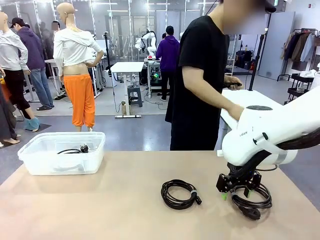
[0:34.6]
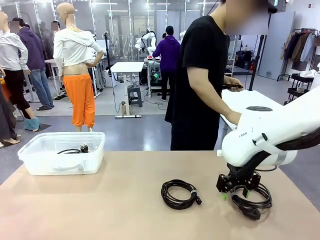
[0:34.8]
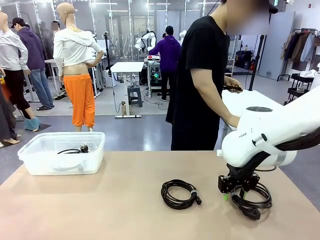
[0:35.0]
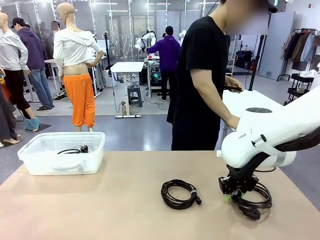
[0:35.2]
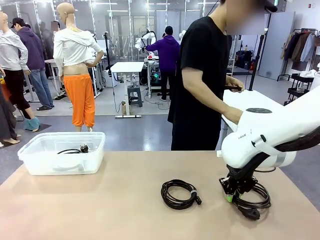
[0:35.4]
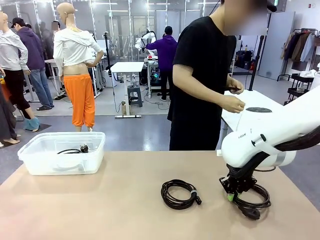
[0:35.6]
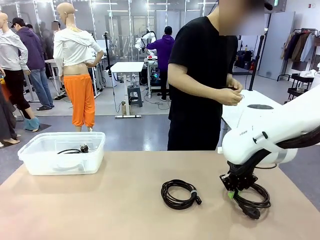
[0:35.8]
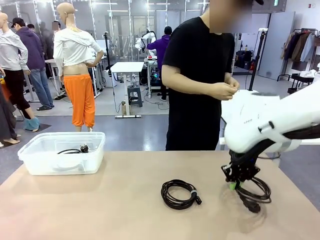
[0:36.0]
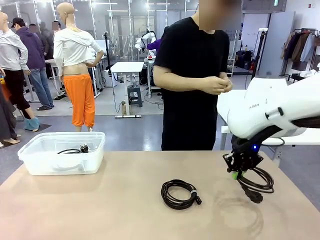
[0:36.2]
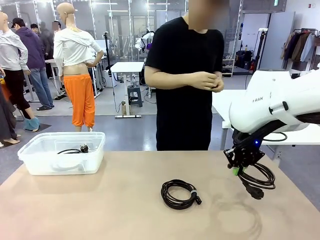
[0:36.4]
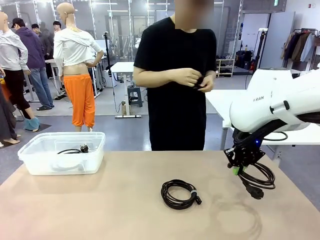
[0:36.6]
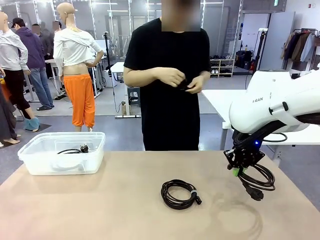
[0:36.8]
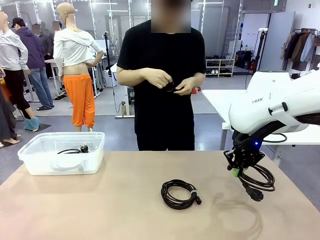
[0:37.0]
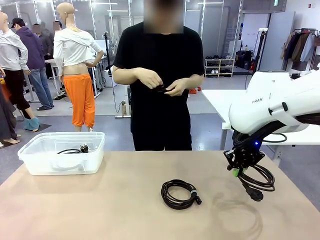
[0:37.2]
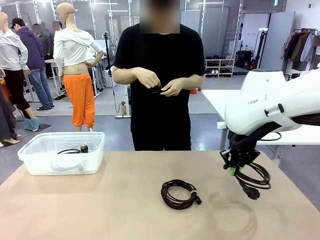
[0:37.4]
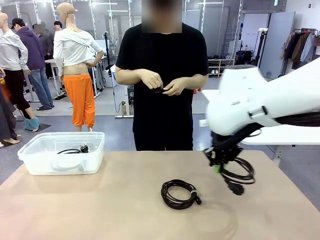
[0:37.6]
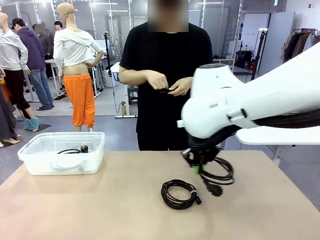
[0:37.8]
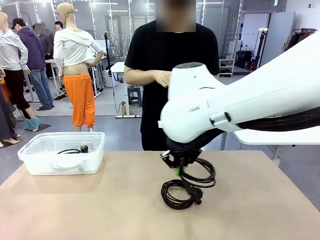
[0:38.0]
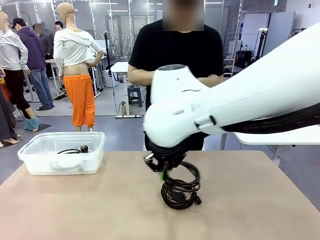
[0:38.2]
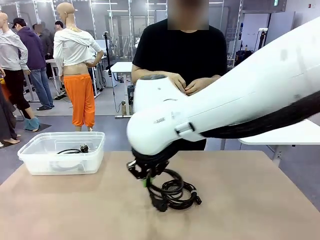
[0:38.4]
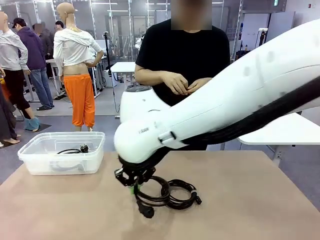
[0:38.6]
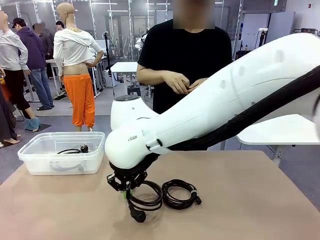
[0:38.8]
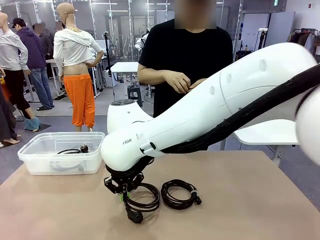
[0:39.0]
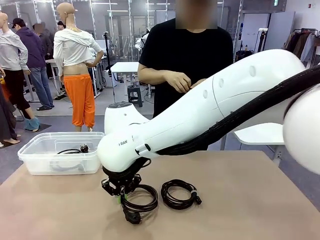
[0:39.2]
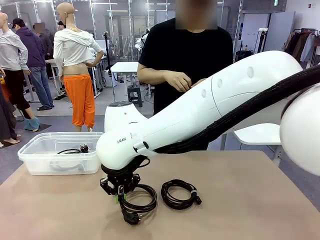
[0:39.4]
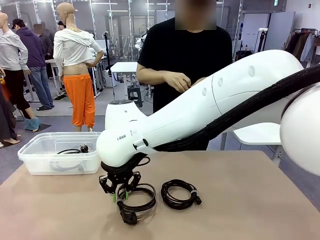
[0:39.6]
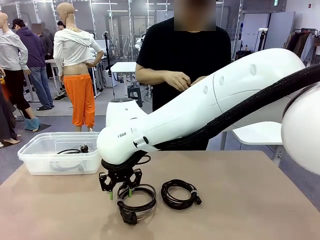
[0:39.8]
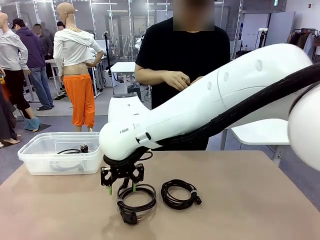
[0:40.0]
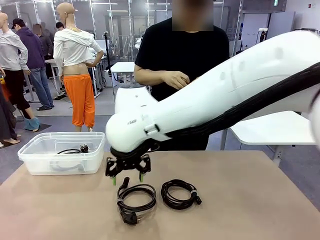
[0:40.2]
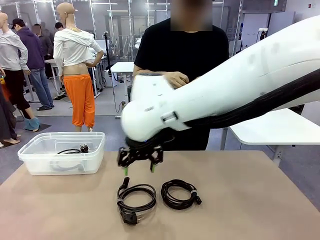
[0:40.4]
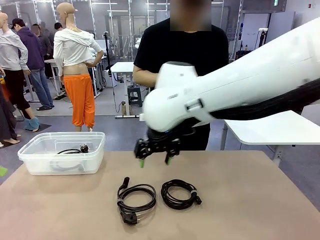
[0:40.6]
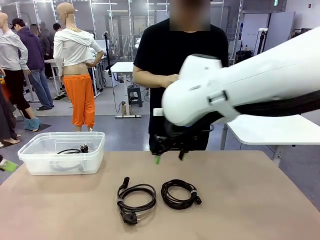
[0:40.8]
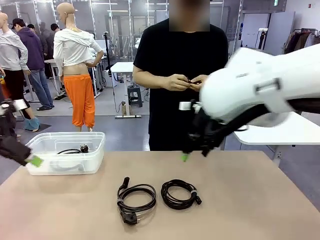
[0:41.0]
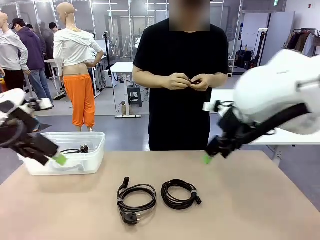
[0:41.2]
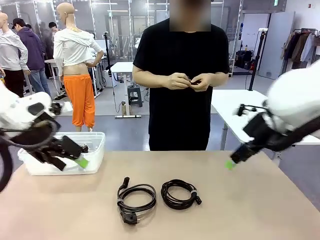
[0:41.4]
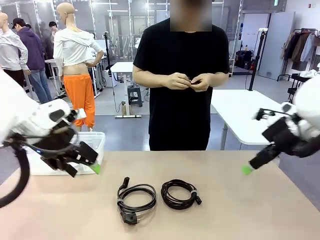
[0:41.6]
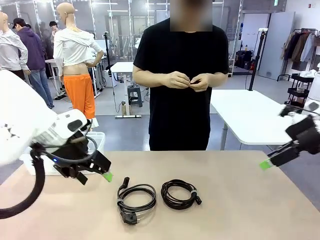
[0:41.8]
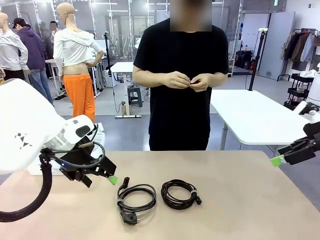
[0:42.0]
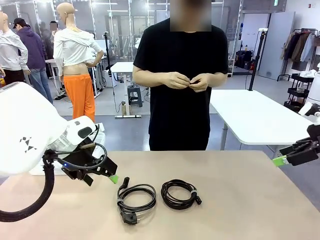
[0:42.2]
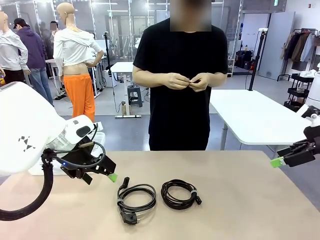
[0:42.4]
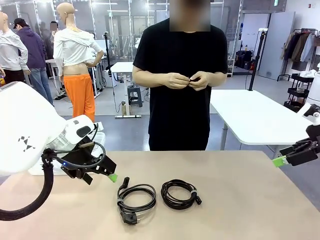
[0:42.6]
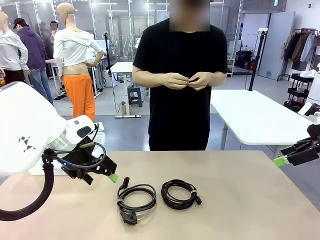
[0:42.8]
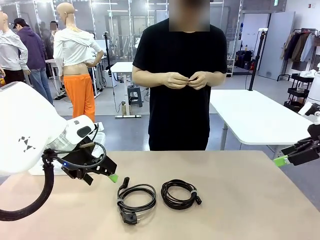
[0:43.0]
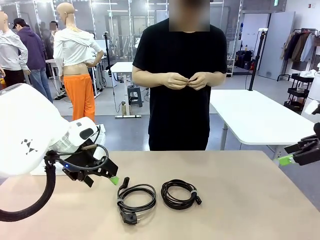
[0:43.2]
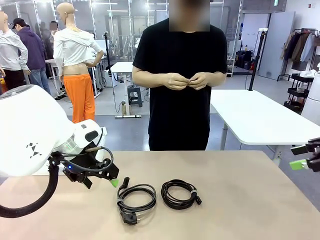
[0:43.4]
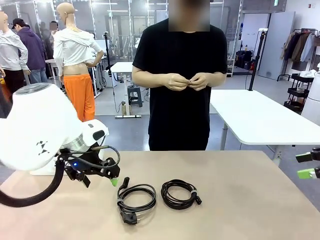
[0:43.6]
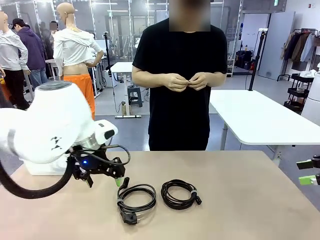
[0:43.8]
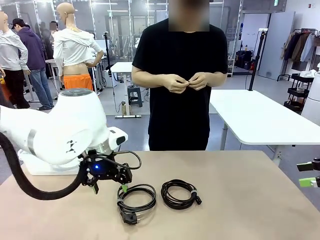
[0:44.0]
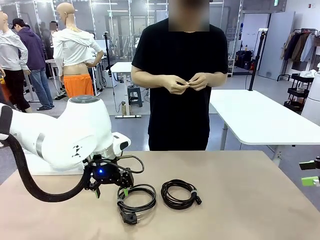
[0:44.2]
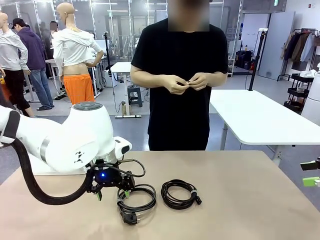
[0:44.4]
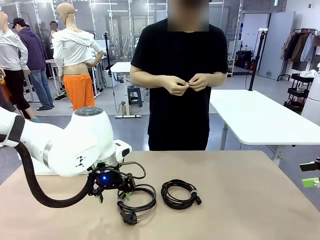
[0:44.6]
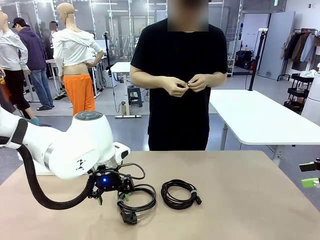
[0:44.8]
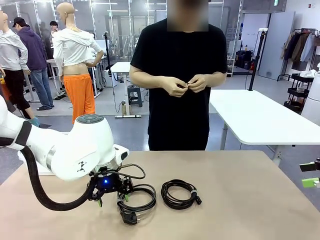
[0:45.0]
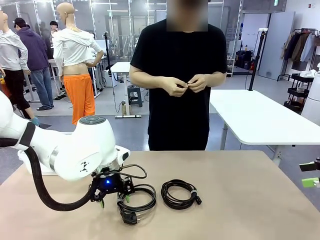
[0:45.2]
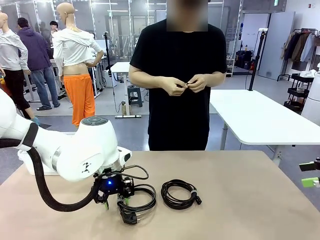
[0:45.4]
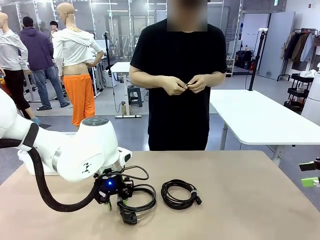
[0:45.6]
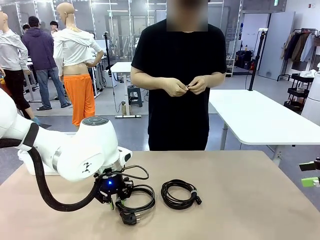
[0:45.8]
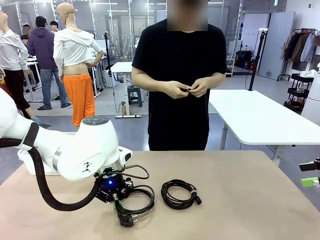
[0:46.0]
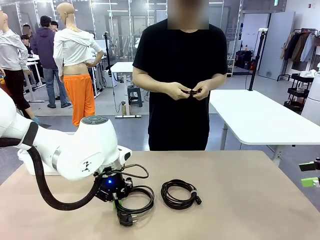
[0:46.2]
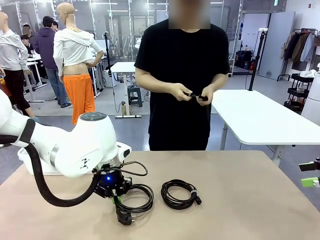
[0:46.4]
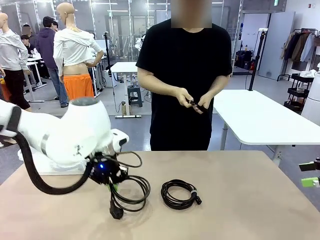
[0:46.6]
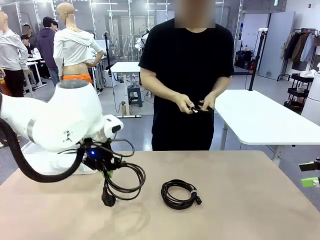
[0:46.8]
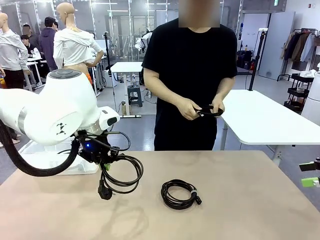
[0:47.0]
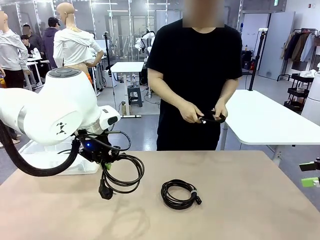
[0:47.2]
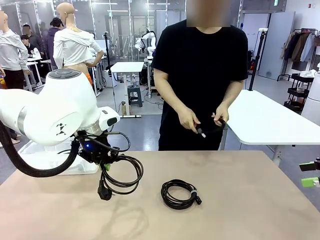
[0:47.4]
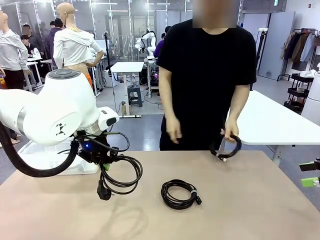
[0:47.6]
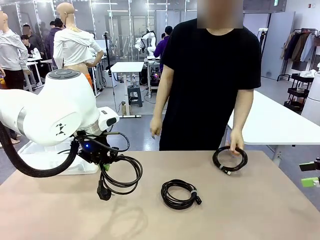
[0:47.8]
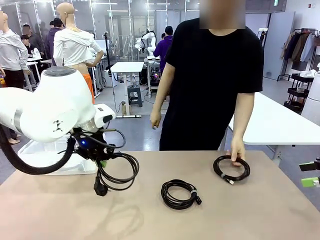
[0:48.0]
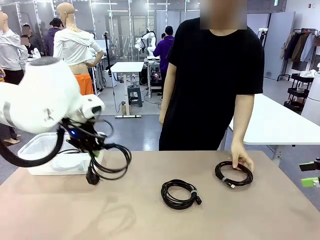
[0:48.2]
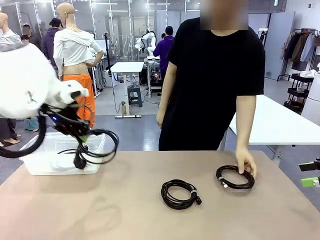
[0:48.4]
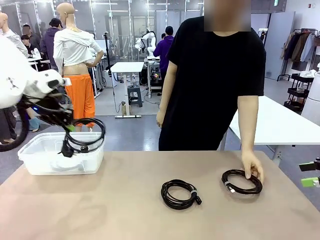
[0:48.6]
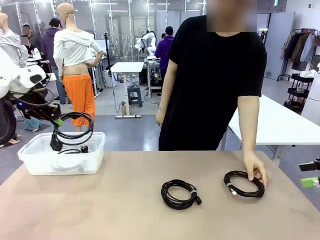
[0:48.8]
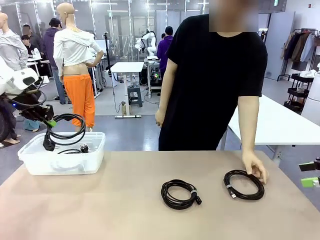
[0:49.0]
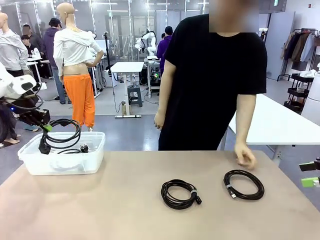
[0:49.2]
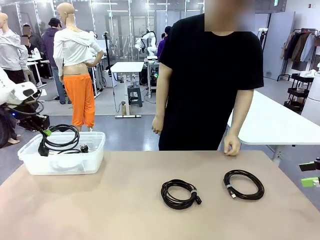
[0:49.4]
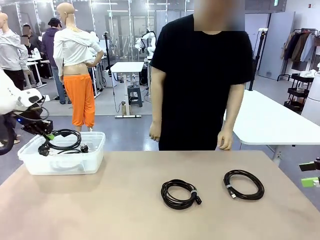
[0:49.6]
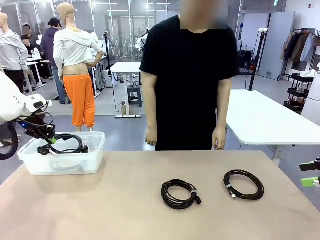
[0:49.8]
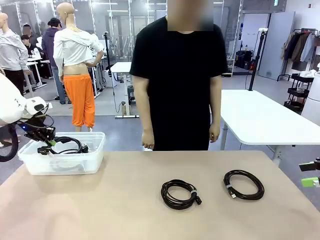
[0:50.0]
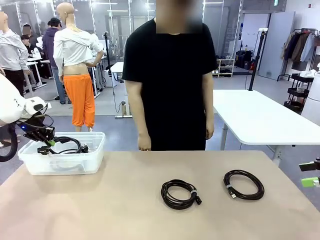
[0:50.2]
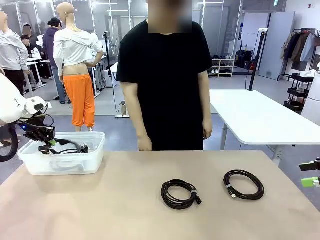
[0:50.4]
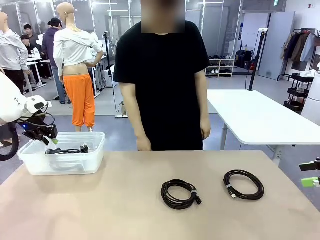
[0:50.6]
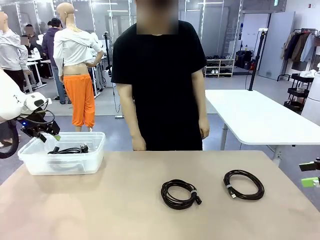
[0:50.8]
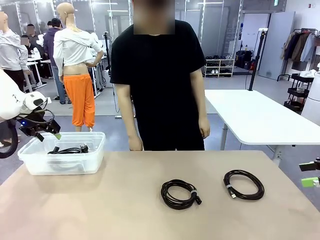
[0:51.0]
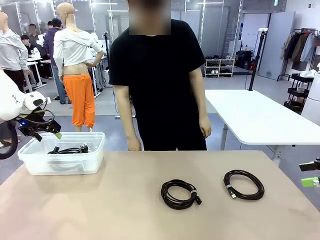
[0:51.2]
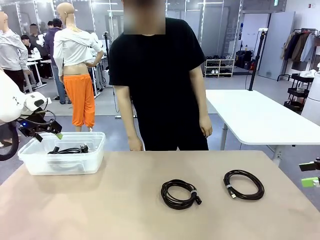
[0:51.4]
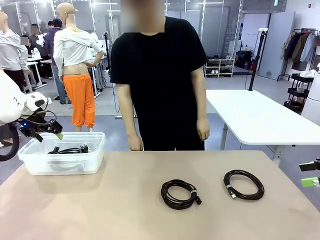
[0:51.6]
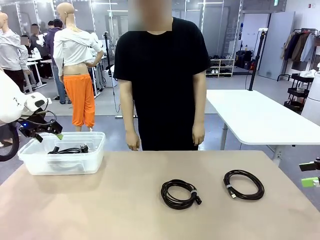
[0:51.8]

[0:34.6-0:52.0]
Task: Organize and store the cables.
Robot: Place the Power Cable into the Organizing box.
